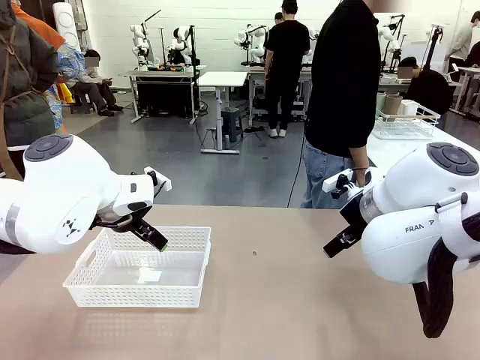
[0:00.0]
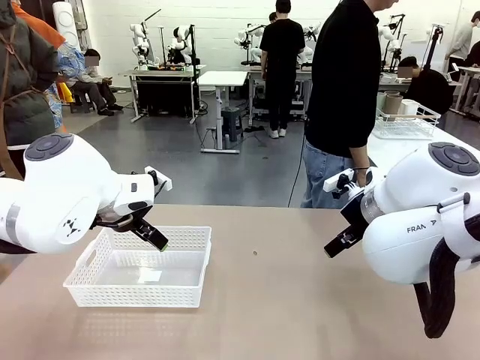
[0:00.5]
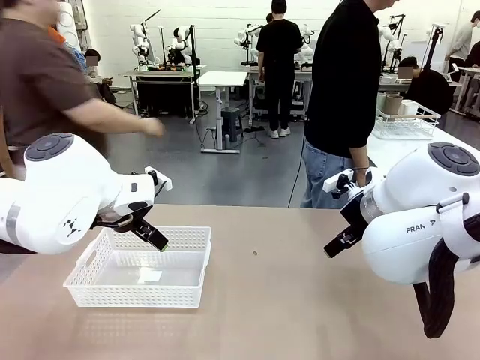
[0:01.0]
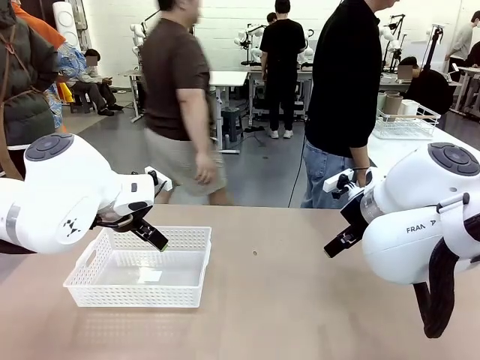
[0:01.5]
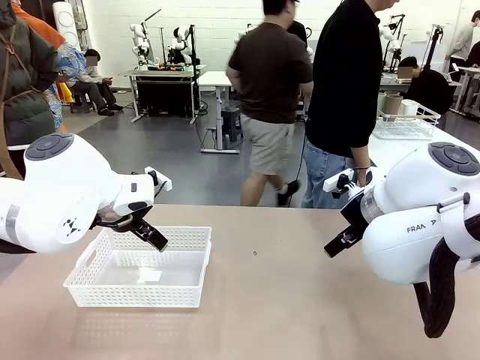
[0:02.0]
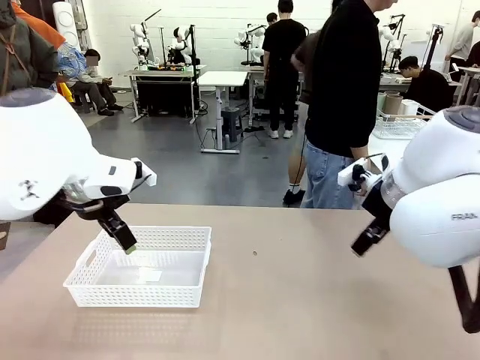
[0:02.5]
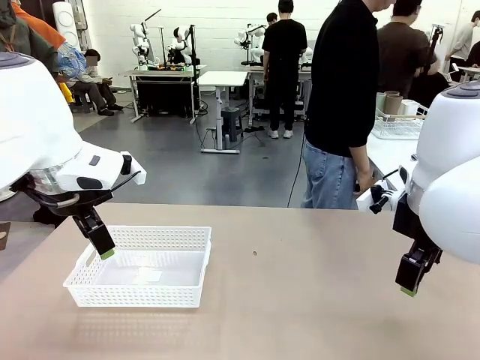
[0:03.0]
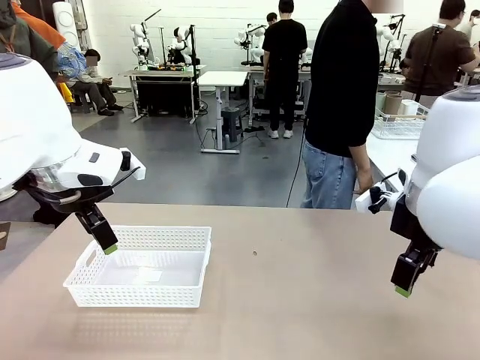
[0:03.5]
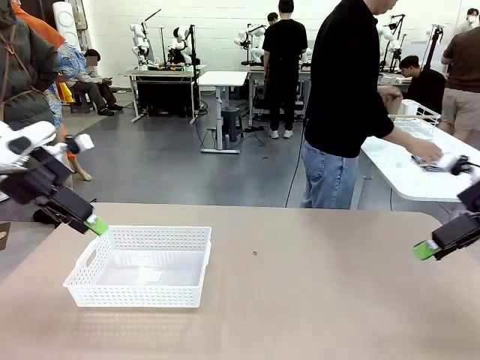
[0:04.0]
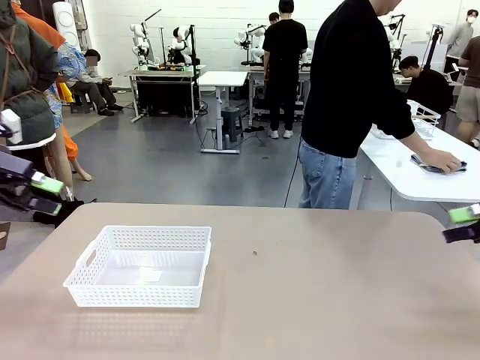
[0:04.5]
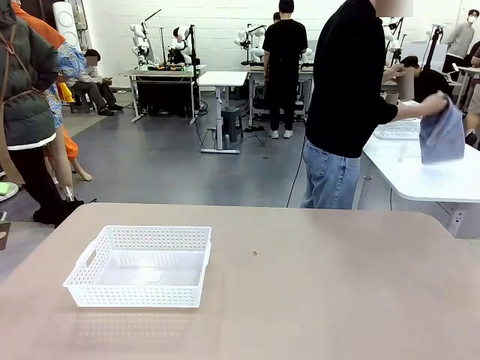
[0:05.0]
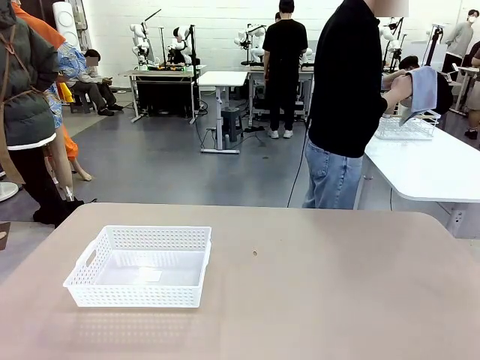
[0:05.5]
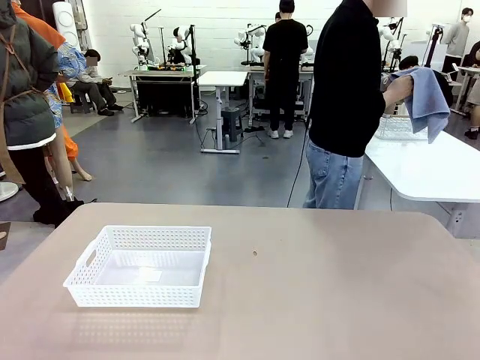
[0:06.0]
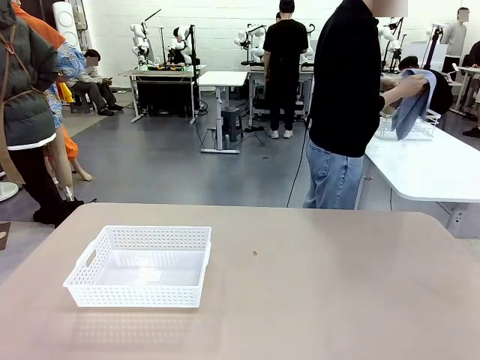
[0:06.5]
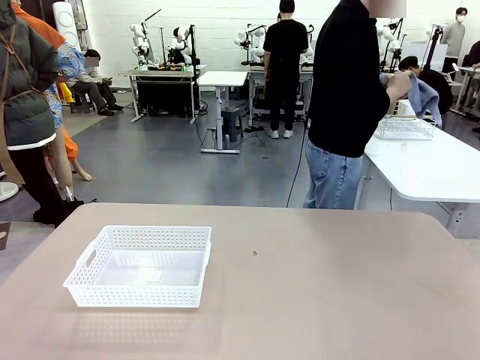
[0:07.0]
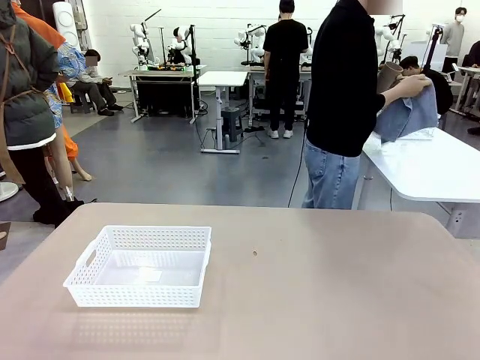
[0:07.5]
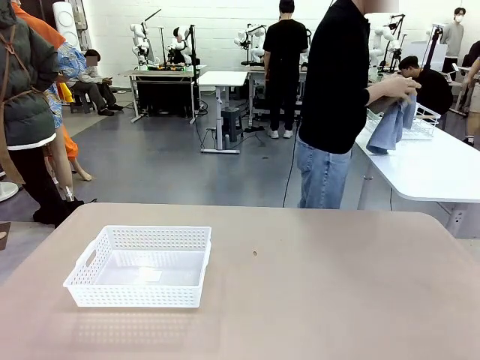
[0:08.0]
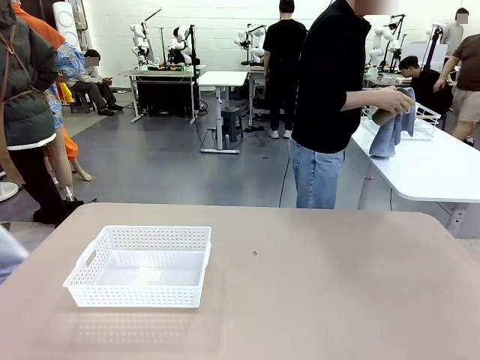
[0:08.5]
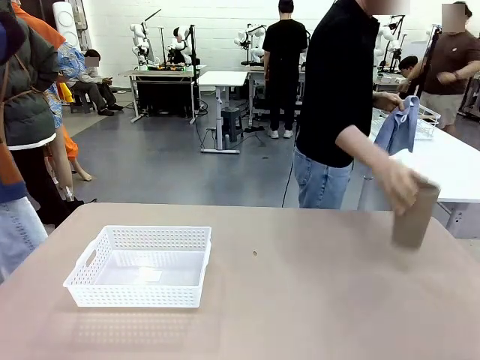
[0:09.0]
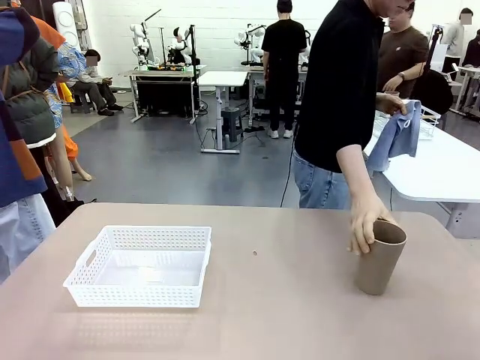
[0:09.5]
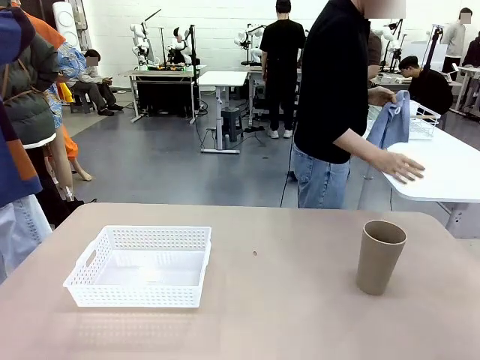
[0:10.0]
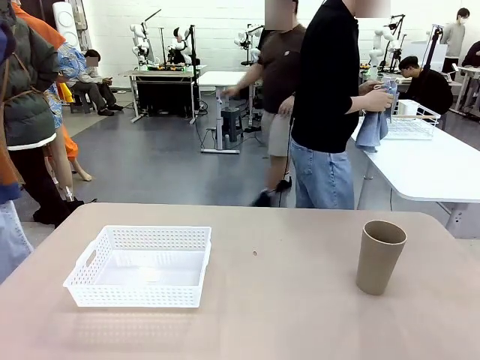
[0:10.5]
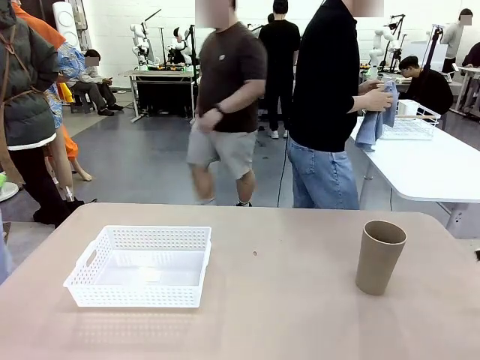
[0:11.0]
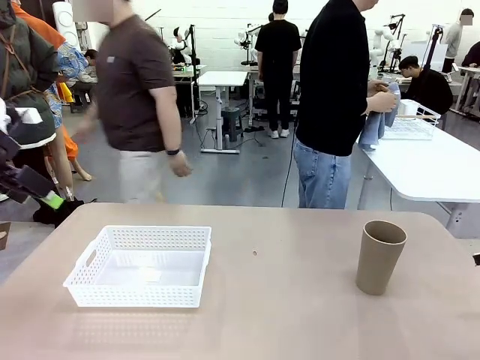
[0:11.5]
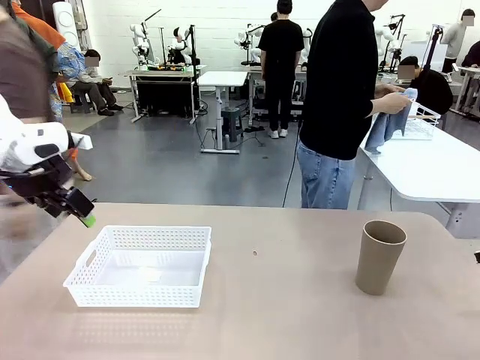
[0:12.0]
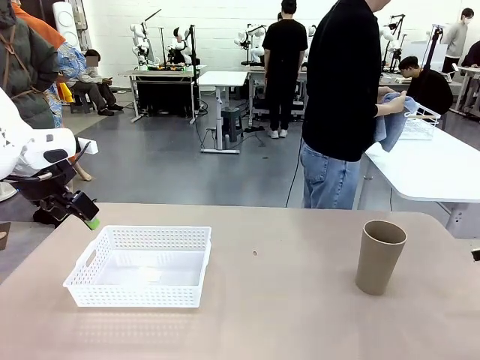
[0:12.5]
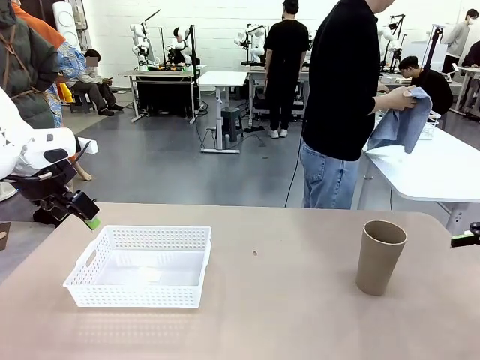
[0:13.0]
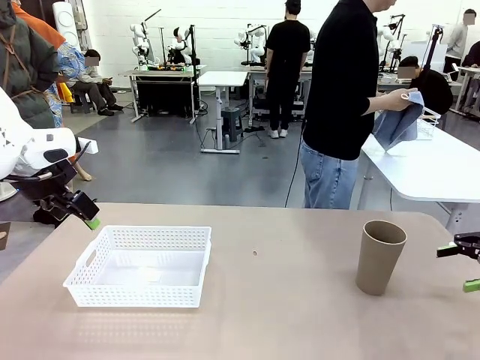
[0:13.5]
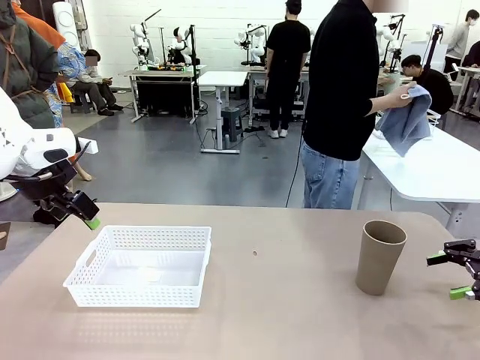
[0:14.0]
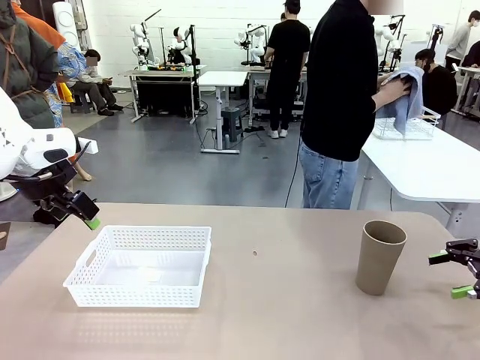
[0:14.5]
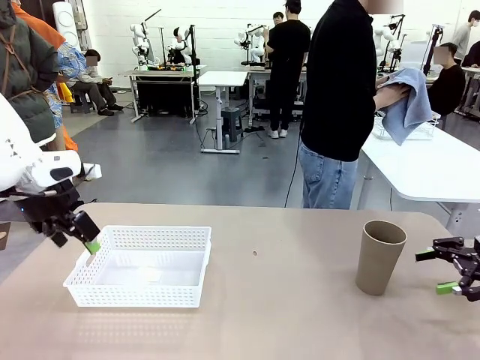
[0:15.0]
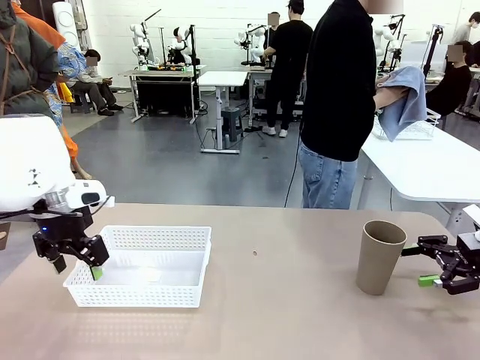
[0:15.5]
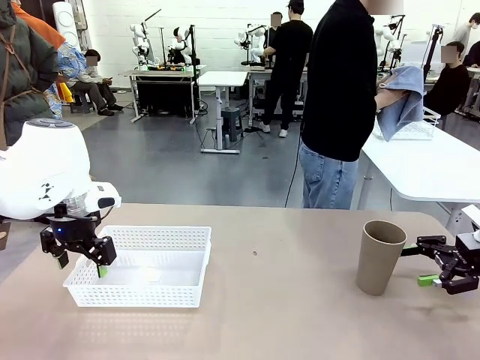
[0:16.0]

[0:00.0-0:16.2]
Task: Clean and organize the cups into the basket.
Robot: Pick up the Organizing basket and move it to the center of the table, then pick up the Reusable plastic cup from the right side of the table and place it inside the Organizing basket.
Person: Picks up a cup and a towel, cleans the cup with the towel, and places it on the left side of the robot table.
